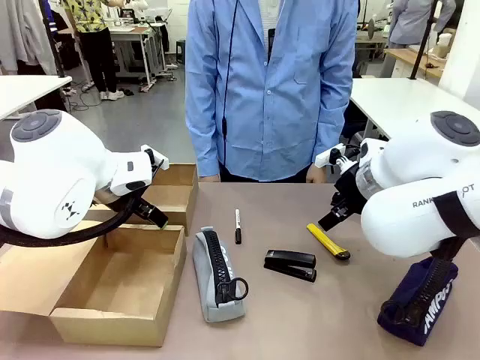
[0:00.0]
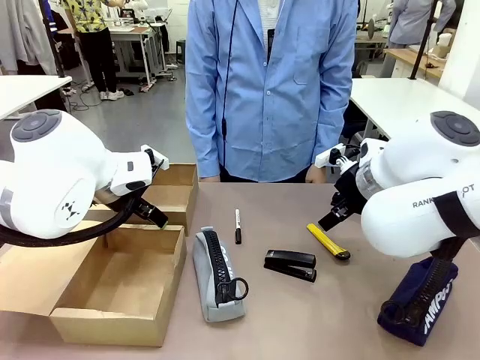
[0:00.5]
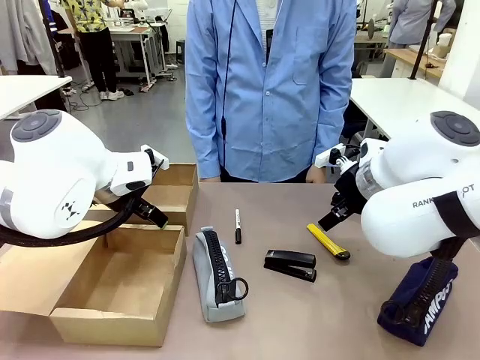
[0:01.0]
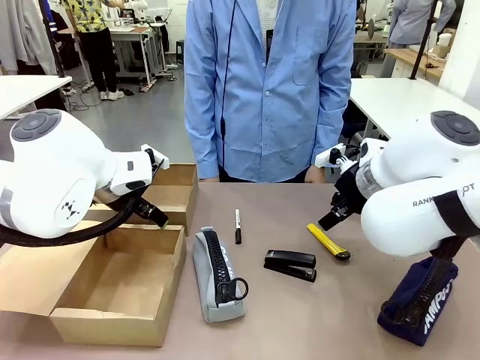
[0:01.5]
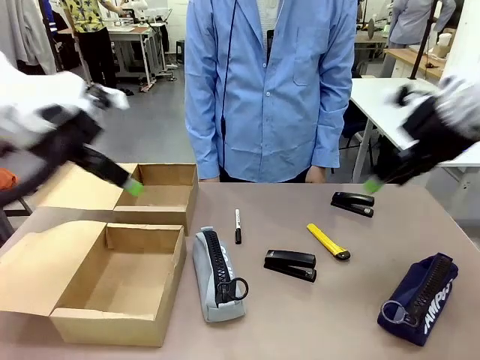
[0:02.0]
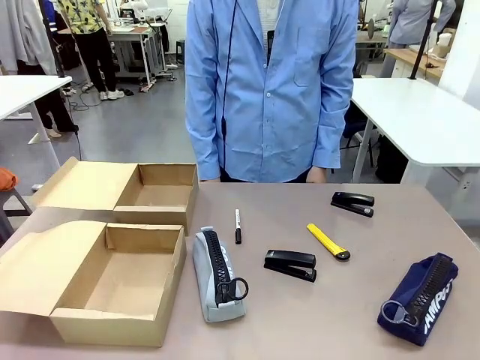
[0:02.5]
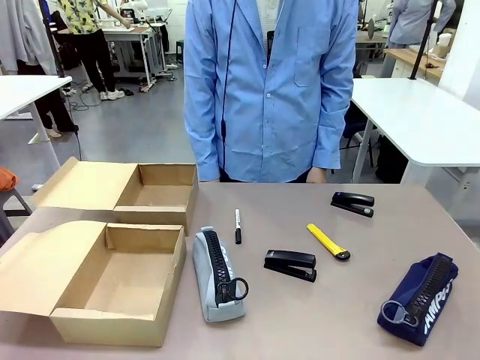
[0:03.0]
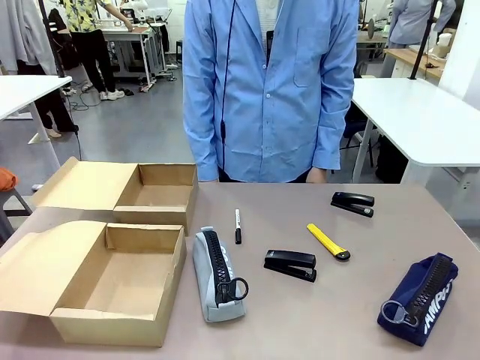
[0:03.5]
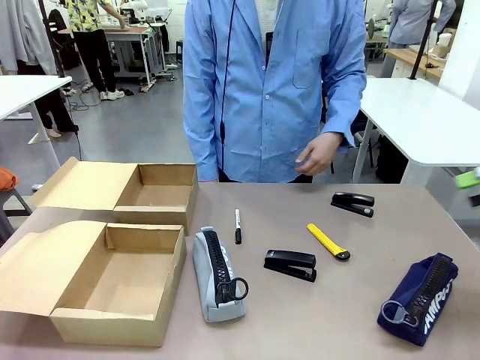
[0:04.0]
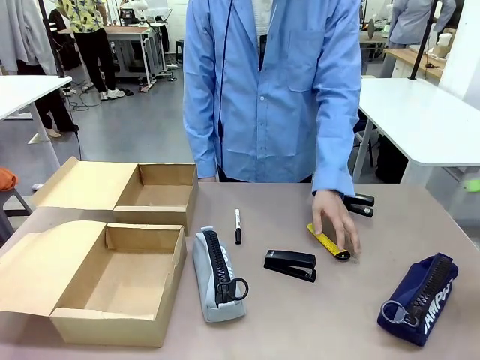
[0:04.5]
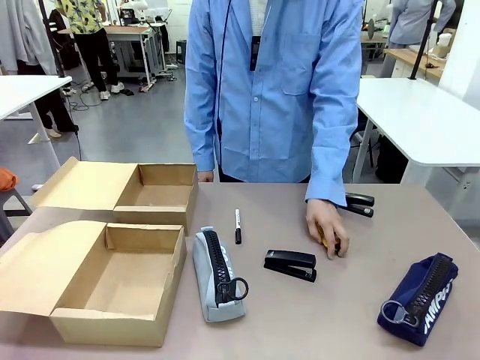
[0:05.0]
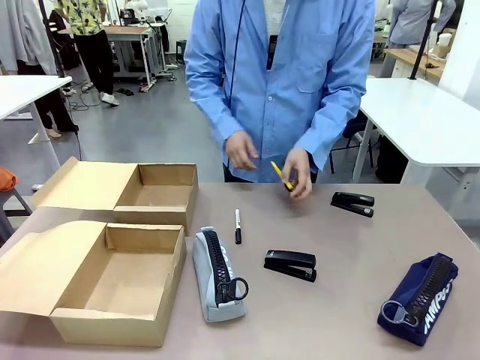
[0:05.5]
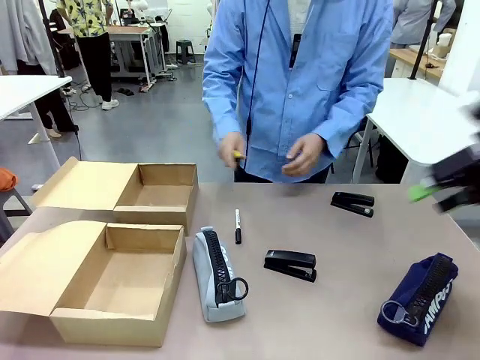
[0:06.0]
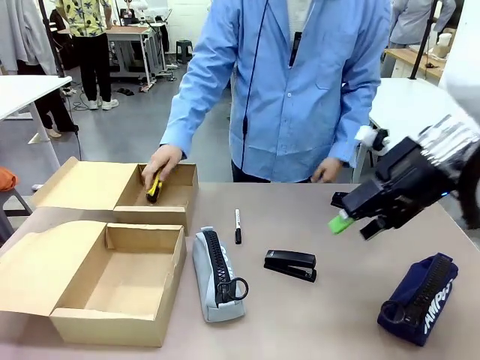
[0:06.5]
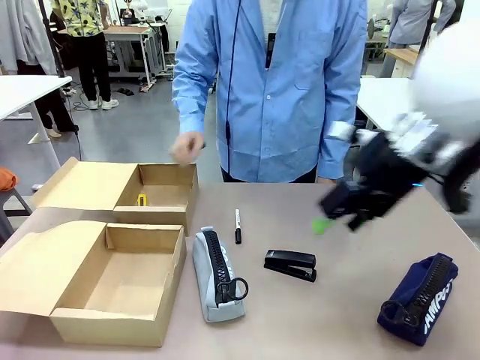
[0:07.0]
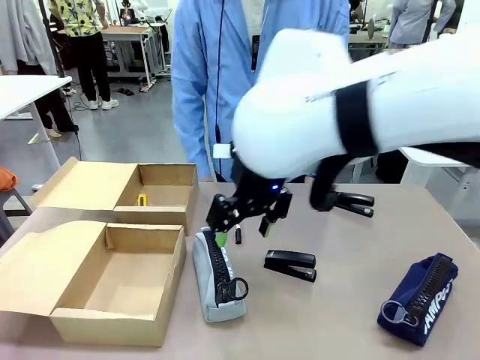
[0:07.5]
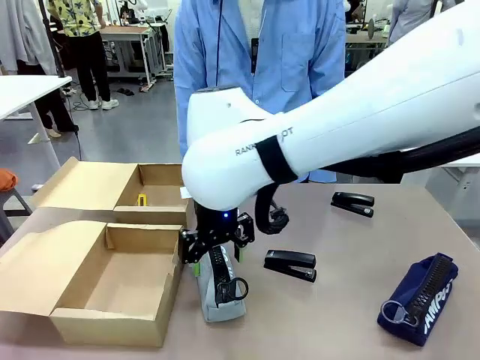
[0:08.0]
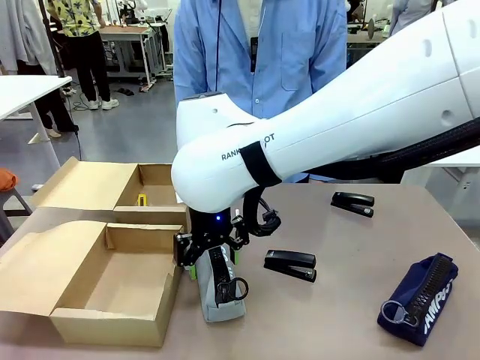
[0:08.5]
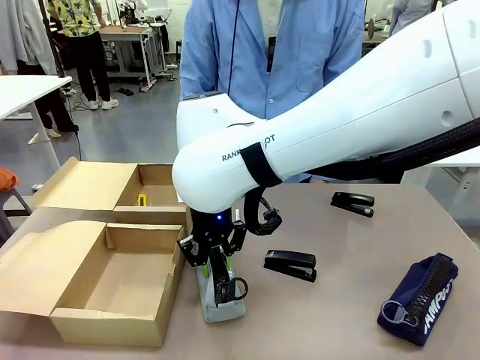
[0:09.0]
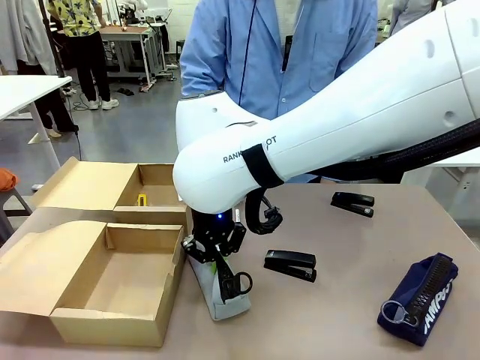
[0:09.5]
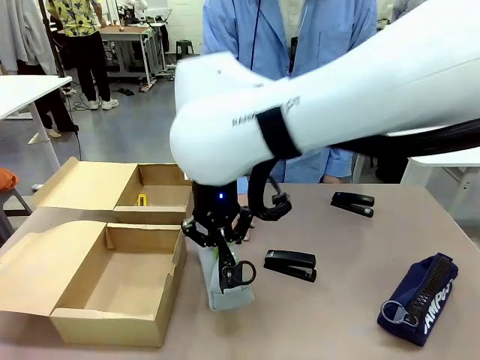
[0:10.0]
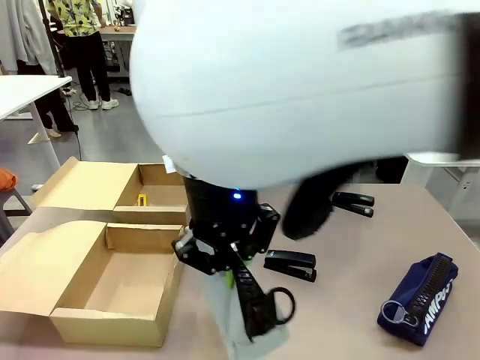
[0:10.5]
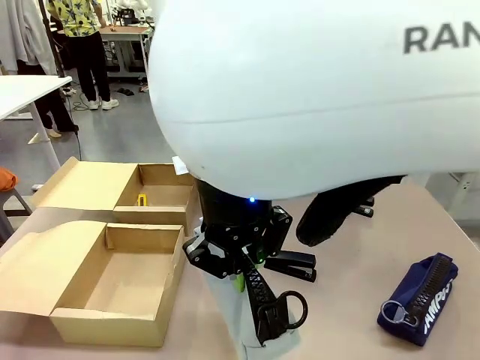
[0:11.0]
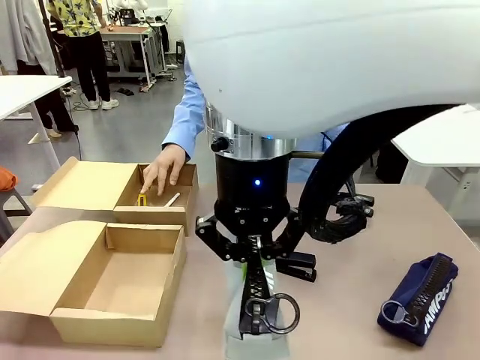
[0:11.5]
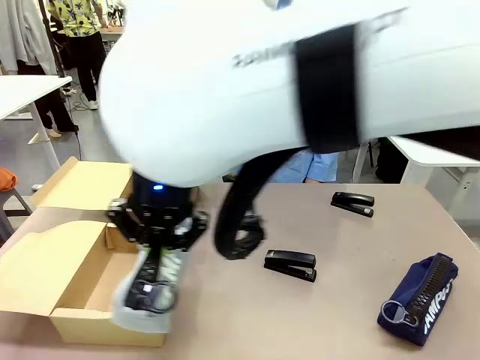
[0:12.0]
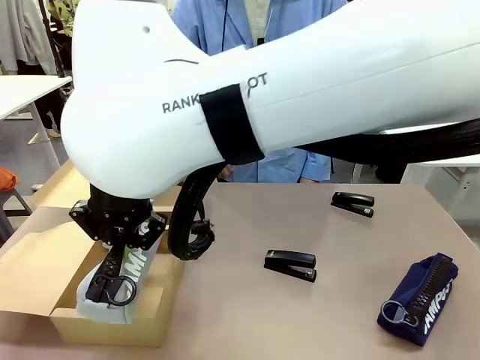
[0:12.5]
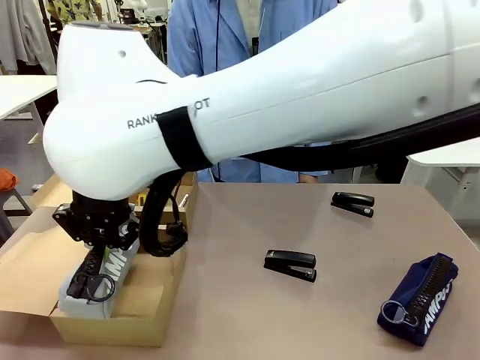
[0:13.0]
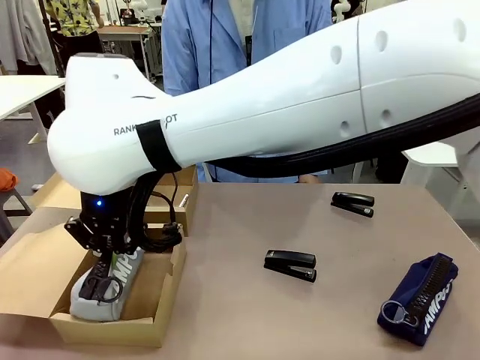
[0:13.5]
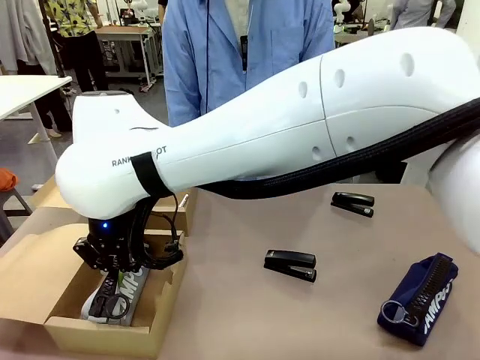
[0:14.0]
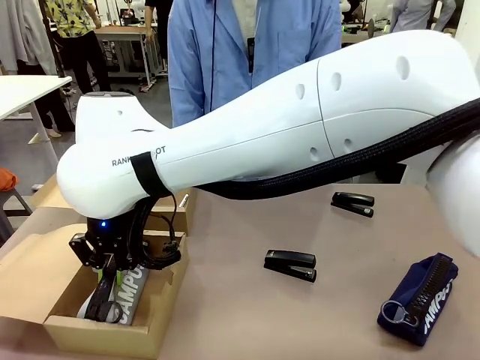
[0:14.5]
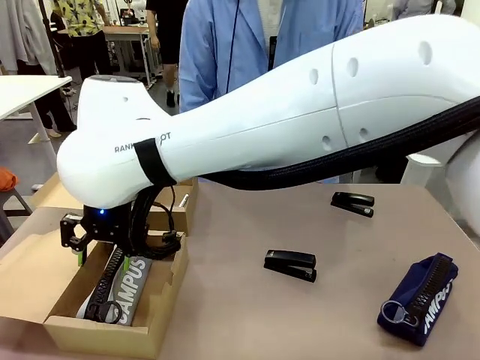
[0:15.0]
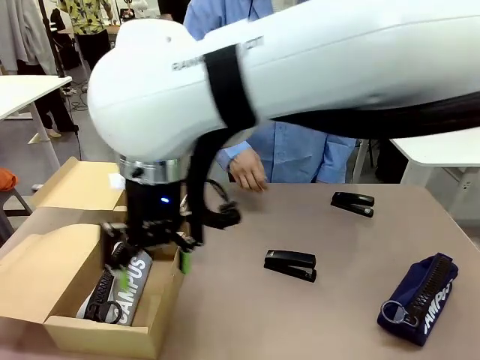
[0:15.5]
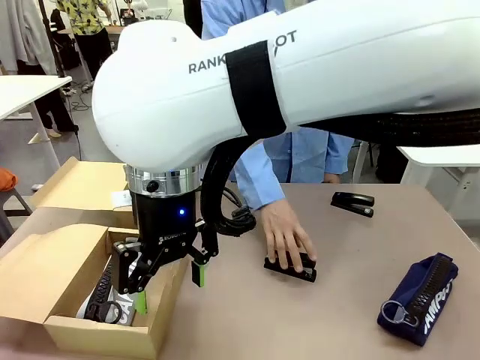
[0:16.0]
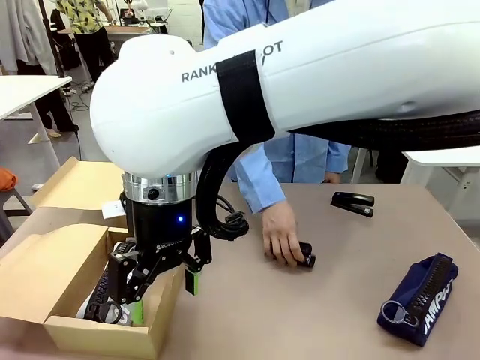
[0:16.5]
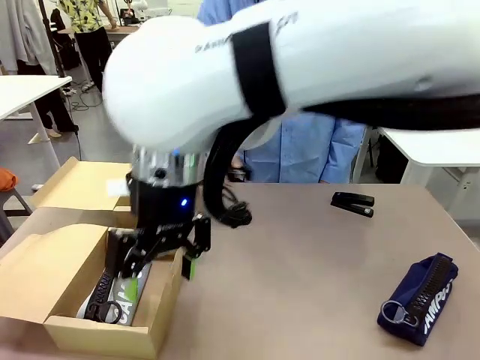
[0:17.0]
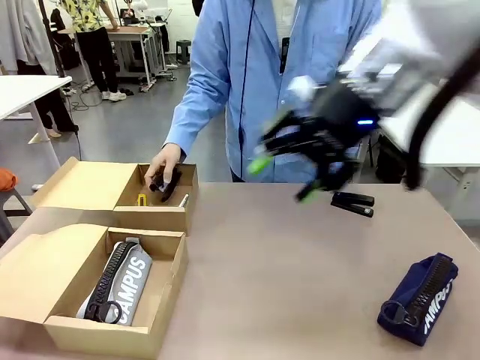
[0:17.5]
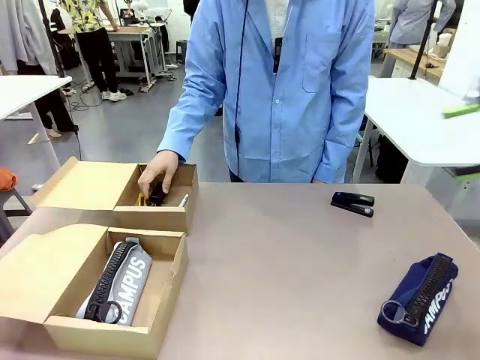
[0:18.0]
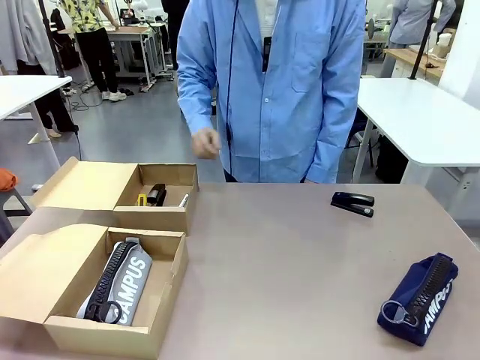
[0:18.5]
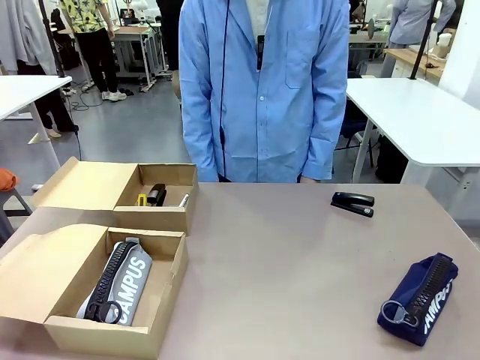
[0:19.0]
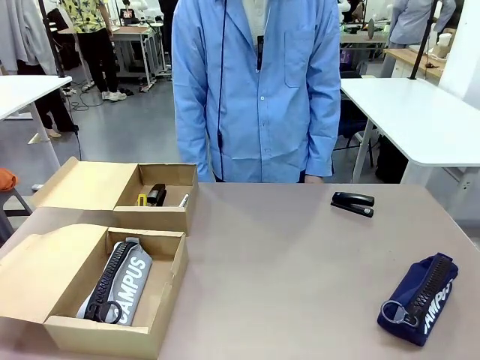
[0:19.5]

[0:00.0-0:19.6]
Task: Place items inside the box.
Robot: Pick up a Pencil pouch or Stapler and place it inside the Mailer Box closest to the robot.
Person: Pick up an object on the table and put it in the box.
